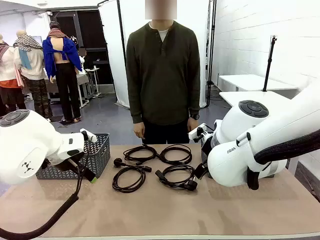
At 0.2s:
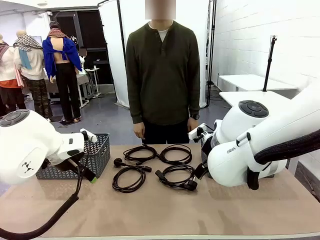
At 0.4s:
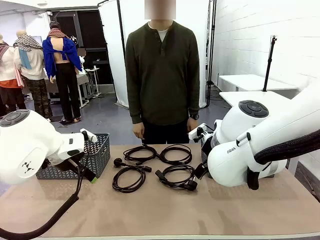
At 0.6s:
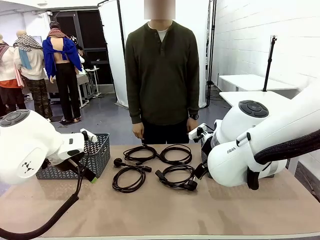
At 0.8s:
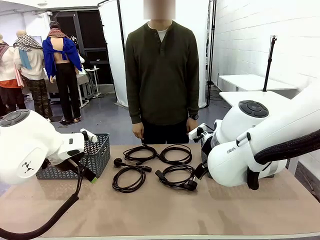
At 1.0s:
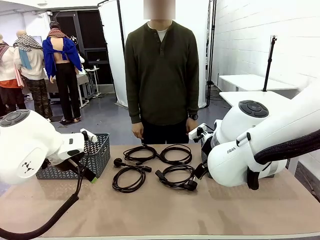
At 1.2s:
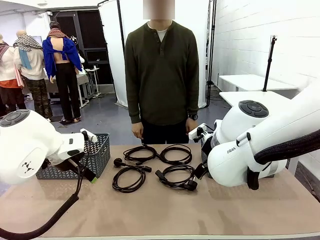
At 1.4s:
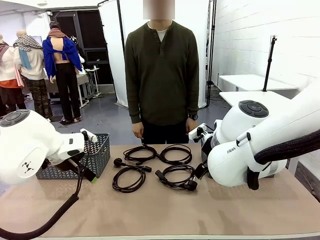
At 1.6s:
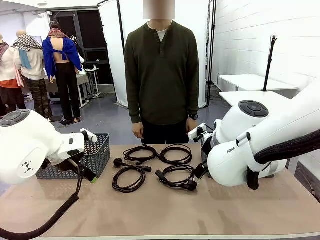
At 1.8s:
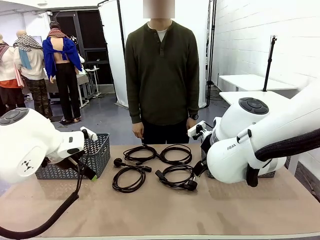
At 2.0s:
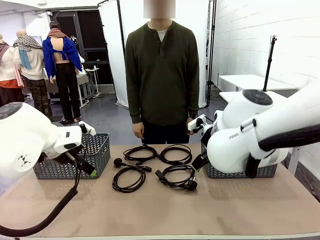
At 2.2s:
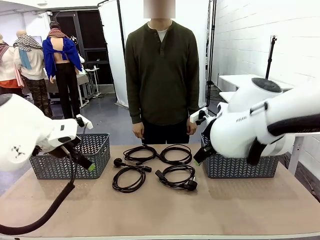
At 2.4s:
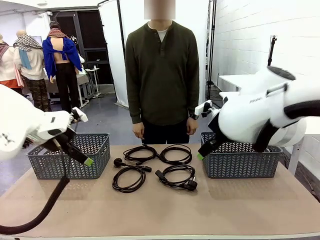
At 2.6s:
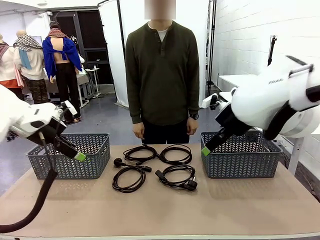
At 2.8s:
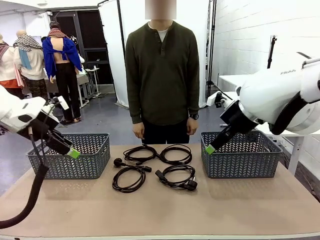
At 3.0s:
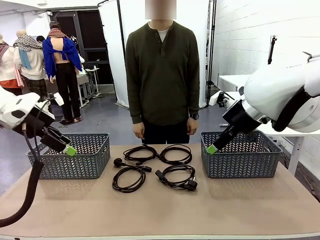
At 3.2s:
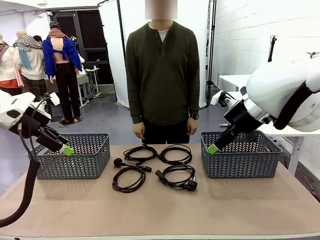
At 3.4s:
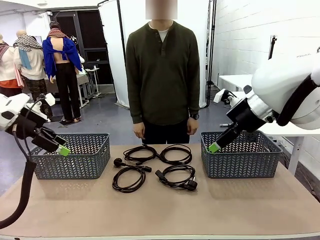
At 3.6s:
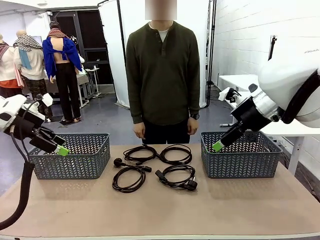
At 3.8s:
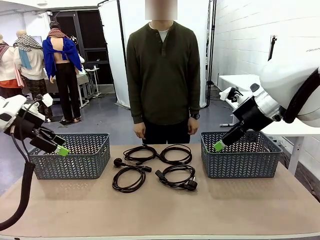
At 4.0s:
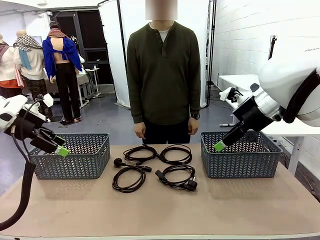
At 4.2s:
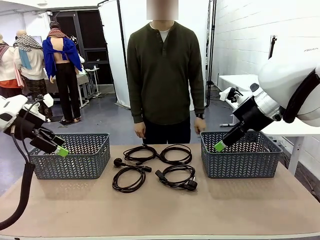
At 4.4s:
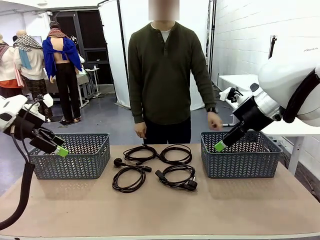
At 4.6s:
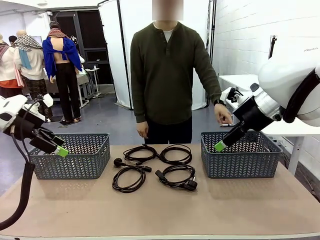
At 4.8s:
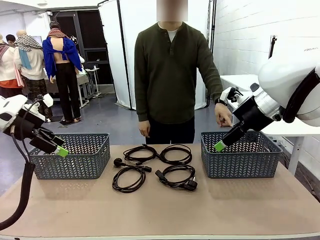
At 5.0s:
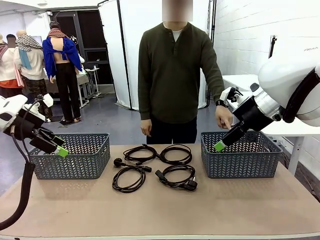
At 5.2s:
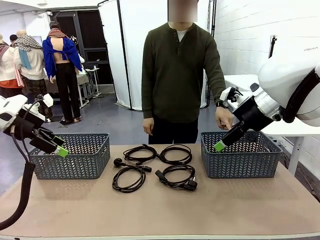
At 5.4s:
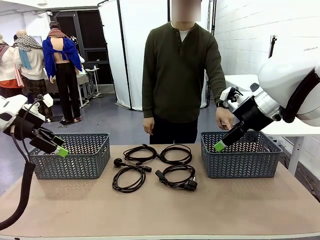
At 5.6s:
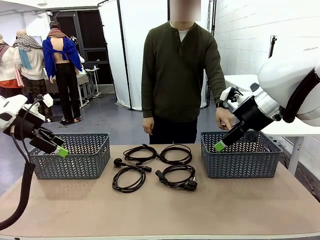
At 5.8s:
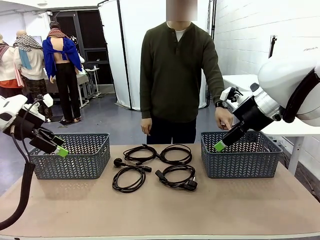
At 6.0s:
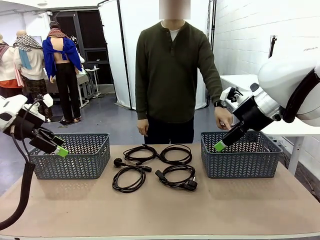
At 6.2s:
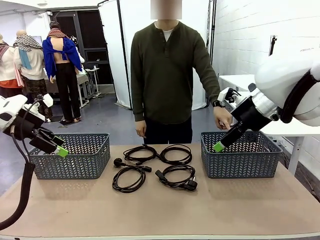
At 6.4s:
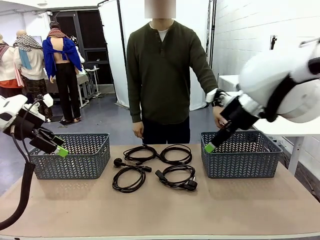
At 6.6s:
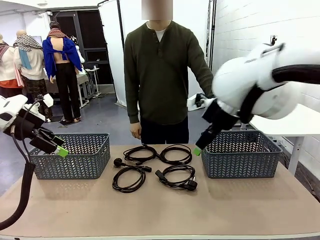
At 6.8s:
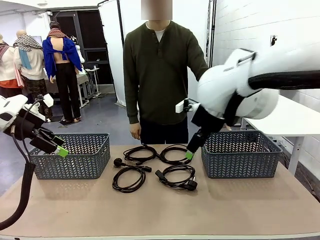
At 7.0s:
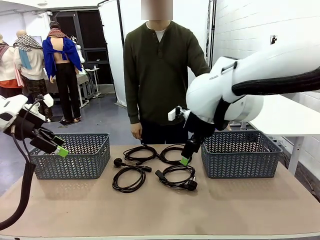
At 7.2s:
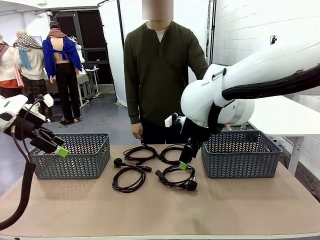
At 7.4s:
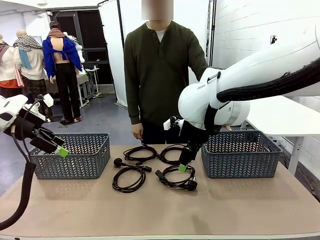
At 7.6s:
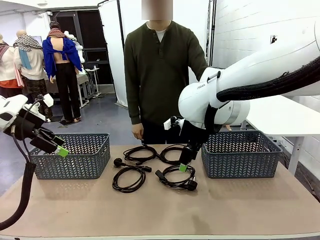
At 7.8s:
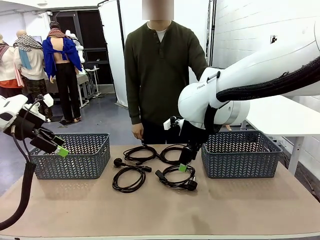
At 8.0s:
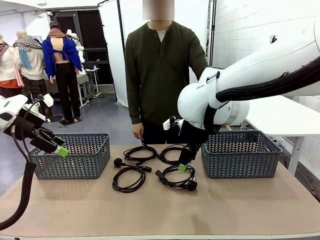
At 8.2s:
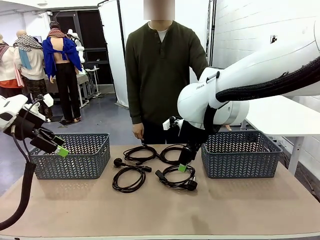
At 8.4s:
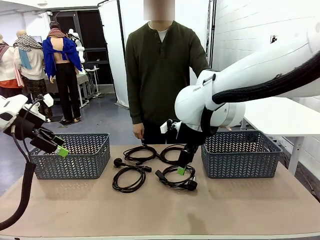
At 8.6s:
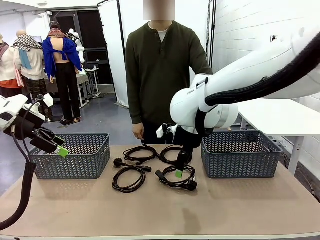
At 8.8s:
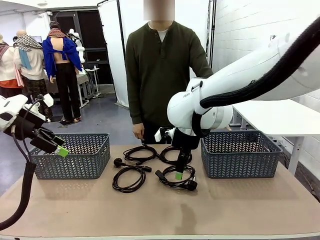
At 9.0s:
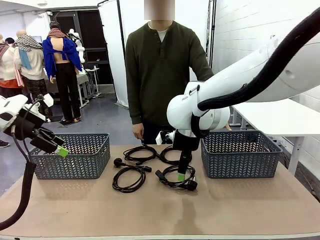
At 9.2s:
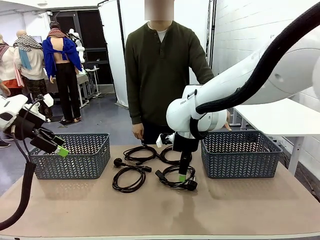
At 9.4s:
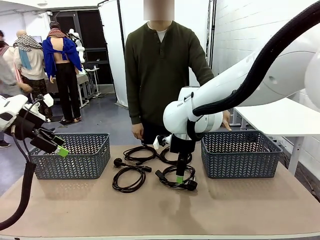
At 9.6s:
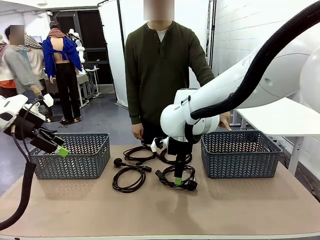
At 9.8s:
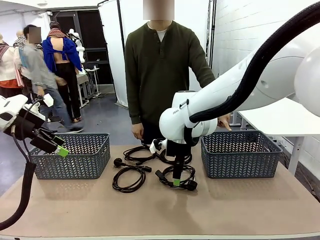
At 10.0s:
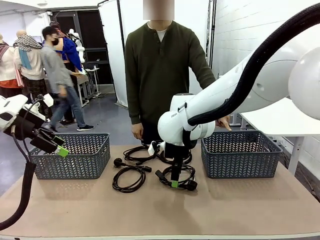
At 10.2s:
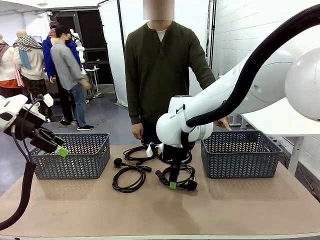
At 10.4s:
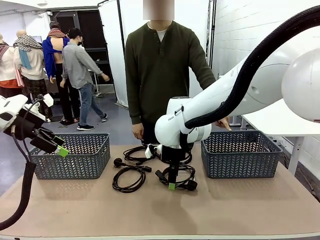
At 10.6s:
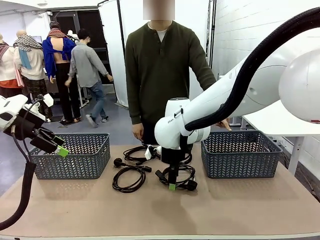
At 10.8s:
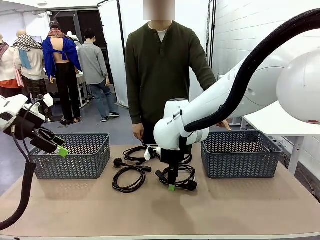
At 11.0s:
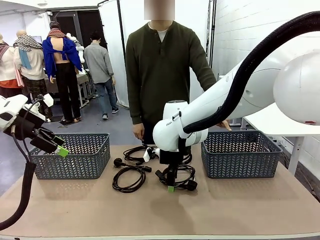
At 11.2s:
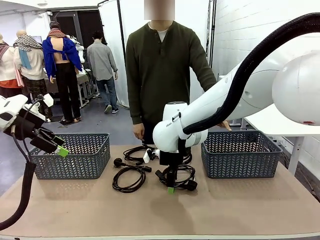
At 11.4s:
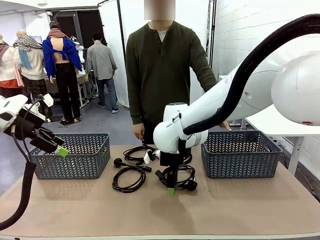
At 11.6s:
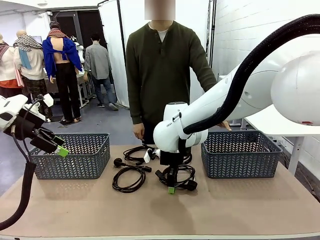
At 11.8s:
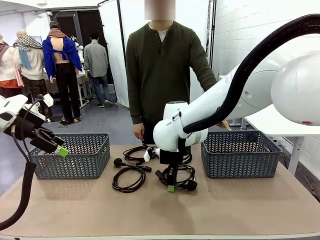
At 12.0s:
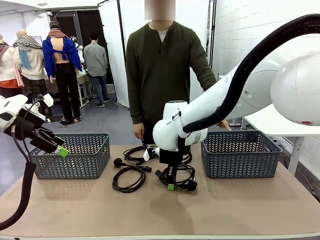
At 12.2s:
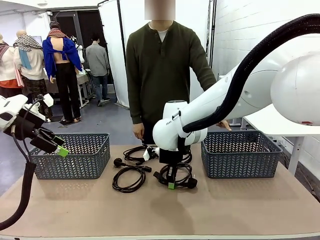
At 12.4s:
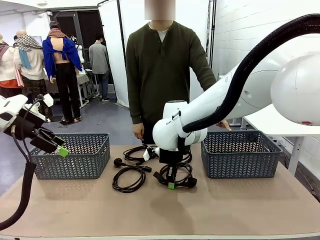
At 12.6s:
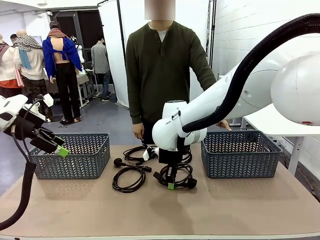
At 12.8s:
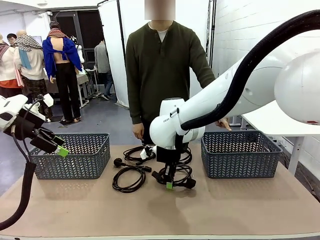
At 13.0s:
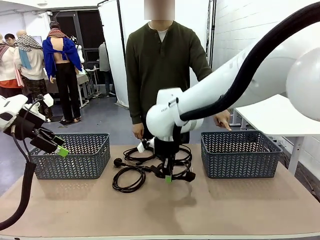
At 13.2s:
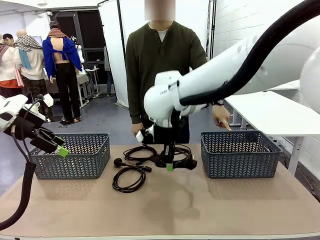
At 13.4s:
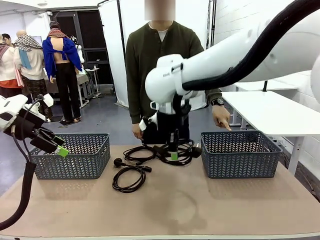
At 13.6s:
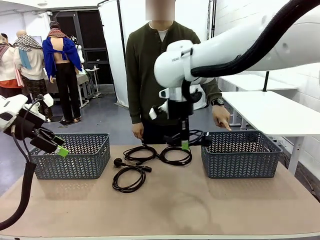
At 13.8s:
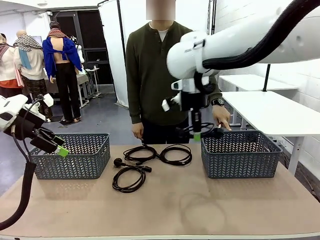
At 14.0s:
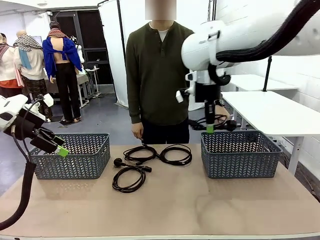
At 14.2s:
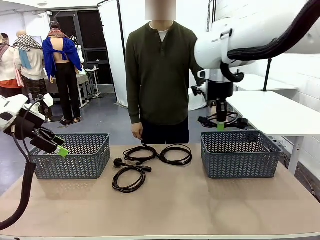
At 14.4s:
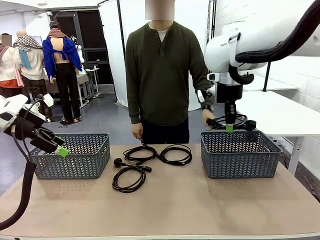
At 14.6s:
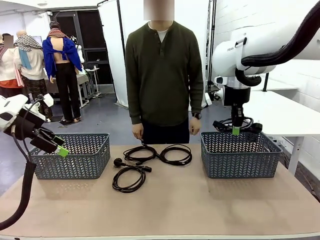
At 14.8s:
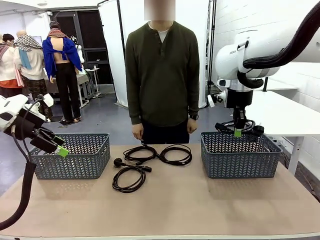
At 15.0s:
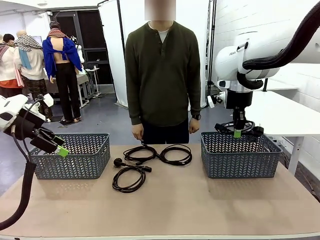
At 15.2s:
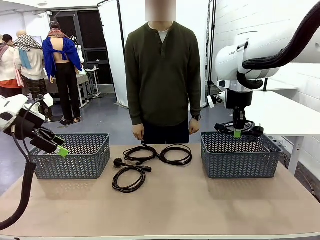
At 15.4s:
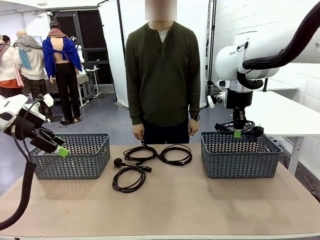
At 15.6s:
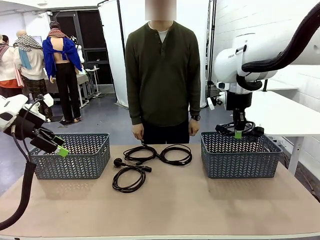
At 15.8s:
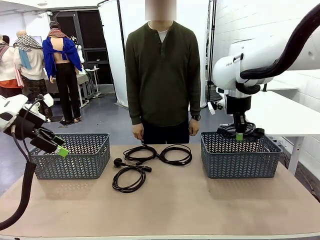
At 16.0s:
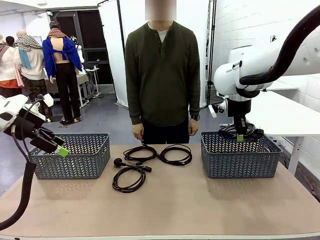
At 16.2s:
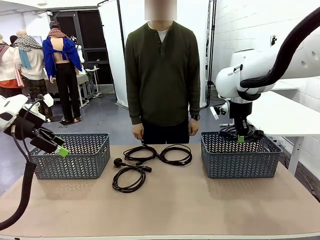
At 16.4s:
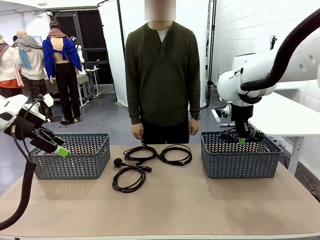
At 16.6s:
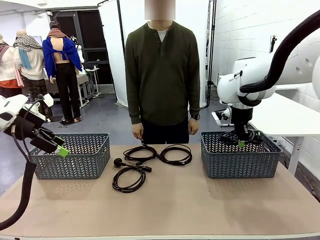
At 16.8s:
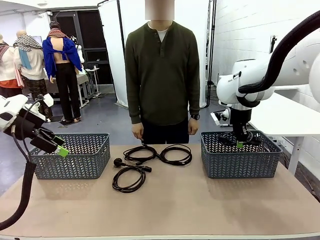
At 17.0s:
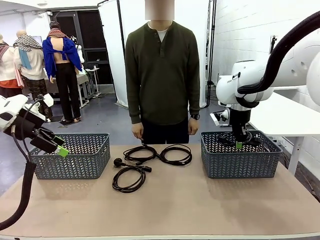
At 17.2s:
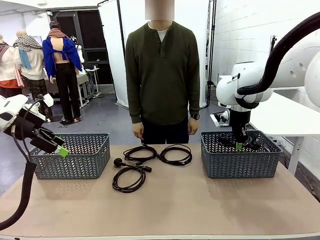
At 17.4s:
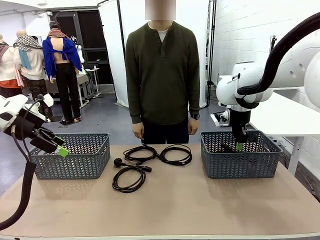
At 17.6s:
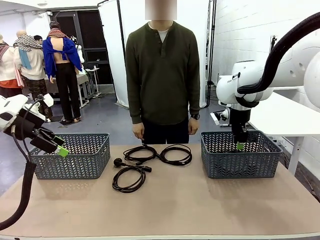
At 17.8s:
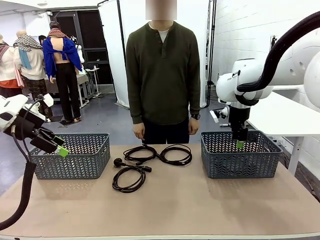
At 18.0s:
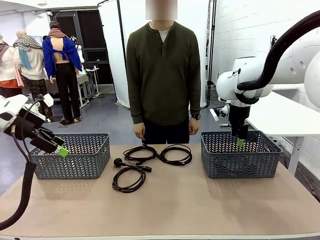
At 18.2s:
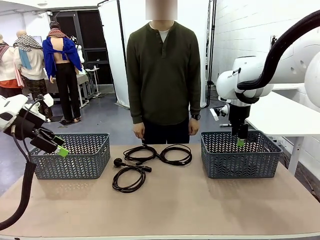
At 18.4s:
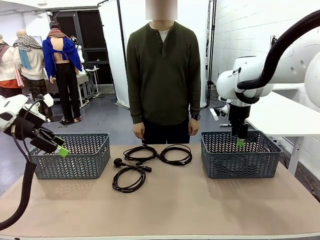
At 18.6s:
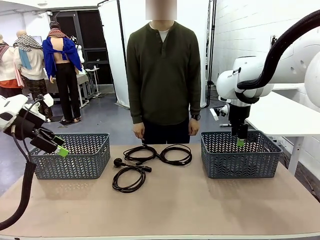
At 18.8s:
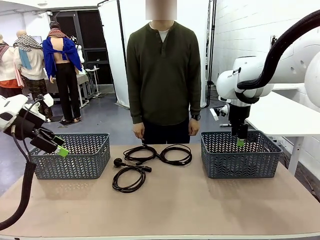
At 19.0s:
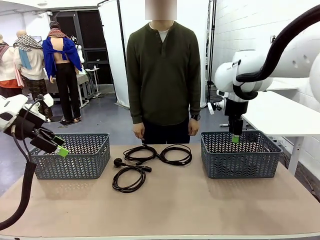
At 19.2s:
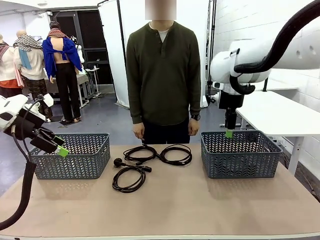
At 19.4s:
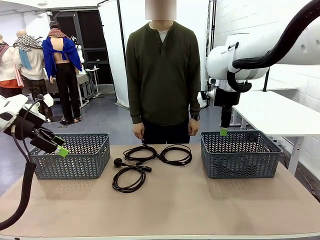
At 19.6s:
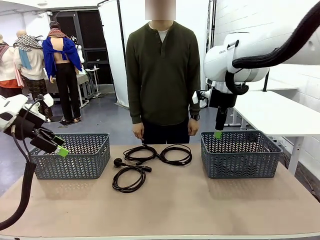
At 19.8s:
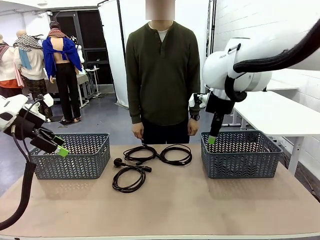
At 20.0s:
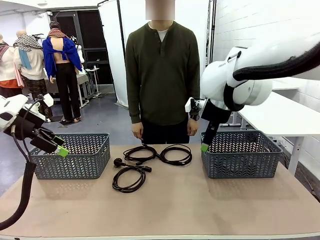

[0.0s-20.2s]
Task: Organize the cables according to human instructions.
Robot: Pick up a bundle of cables and place it in the basket indicated by the human.
